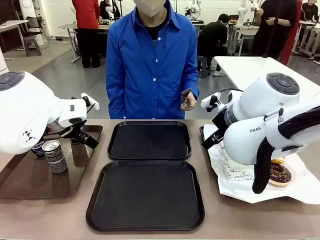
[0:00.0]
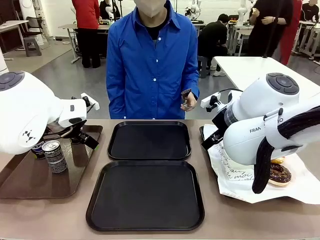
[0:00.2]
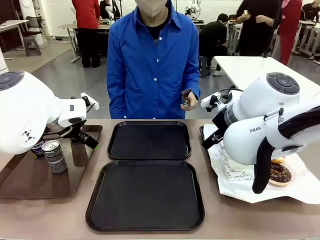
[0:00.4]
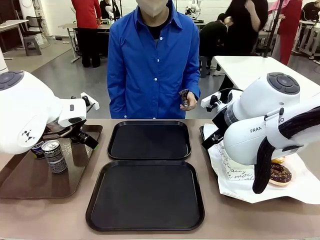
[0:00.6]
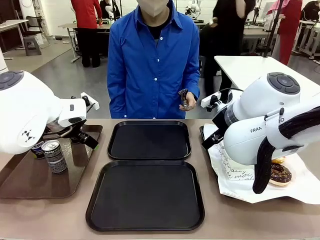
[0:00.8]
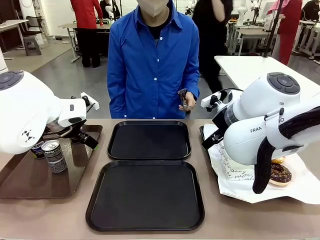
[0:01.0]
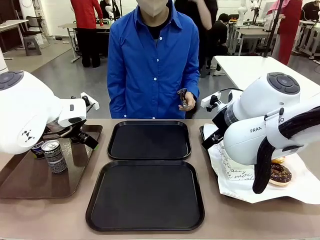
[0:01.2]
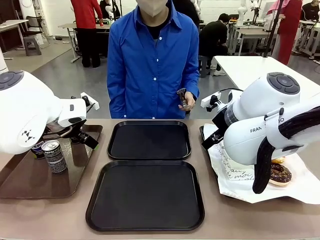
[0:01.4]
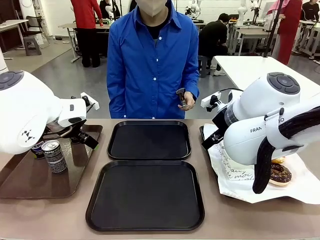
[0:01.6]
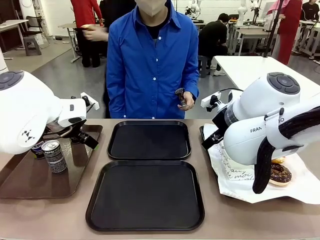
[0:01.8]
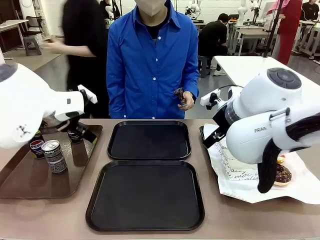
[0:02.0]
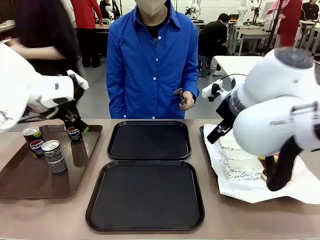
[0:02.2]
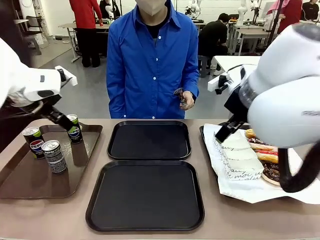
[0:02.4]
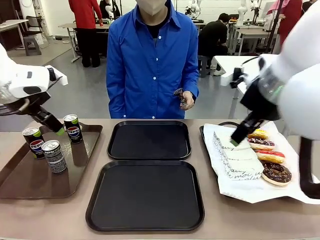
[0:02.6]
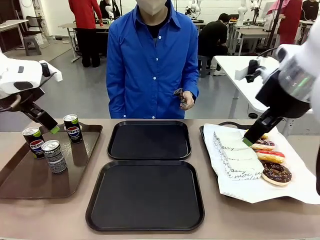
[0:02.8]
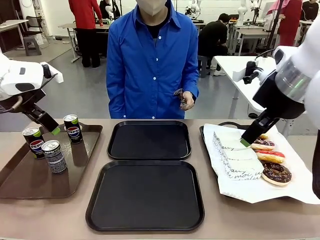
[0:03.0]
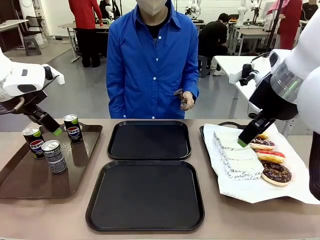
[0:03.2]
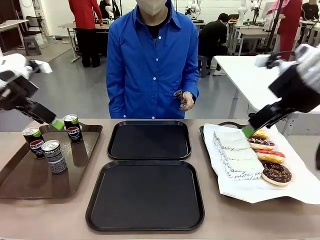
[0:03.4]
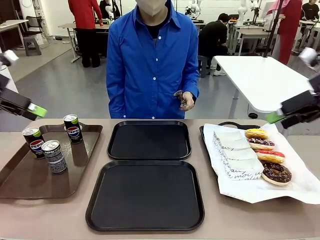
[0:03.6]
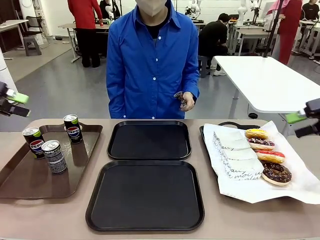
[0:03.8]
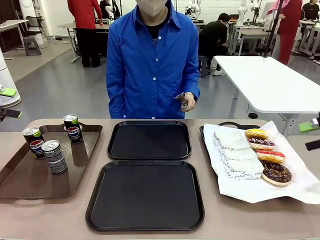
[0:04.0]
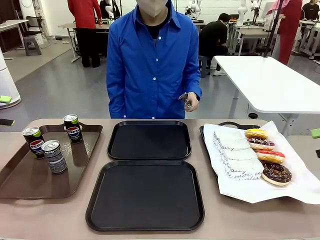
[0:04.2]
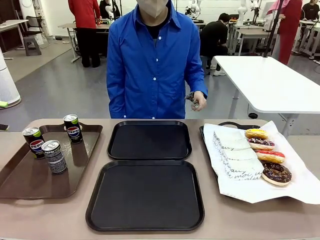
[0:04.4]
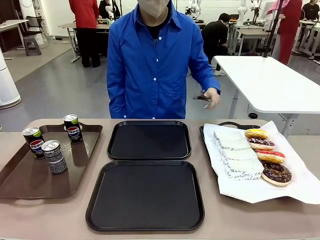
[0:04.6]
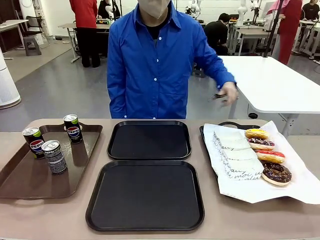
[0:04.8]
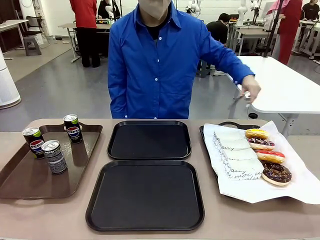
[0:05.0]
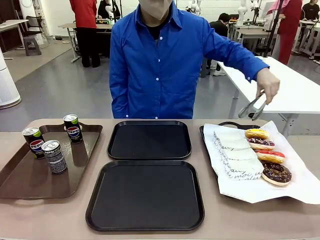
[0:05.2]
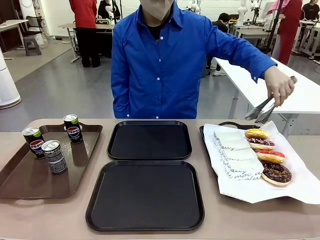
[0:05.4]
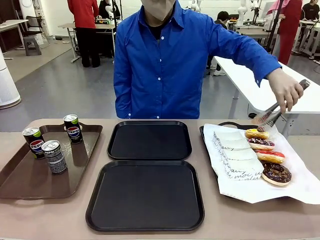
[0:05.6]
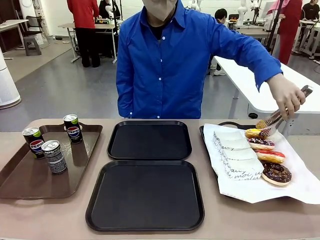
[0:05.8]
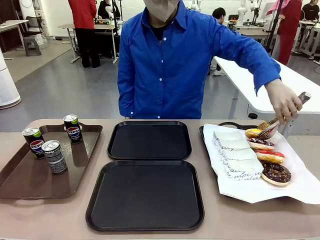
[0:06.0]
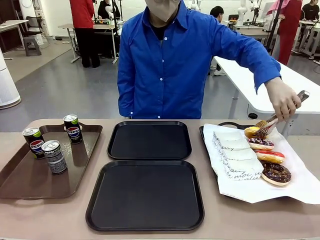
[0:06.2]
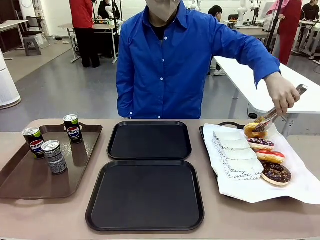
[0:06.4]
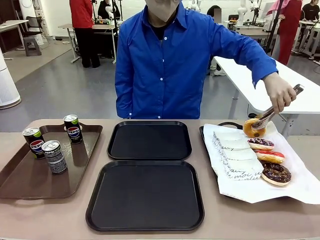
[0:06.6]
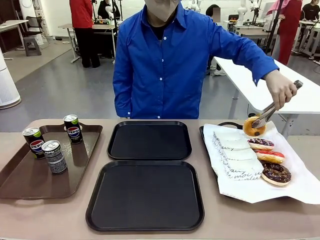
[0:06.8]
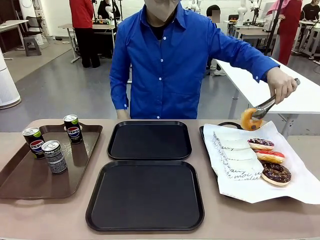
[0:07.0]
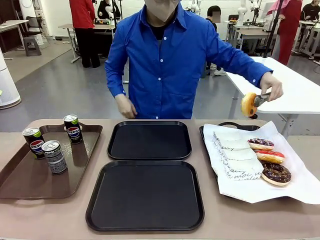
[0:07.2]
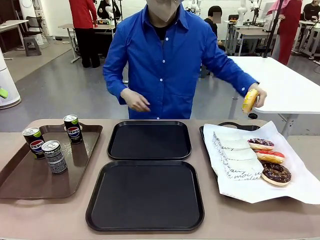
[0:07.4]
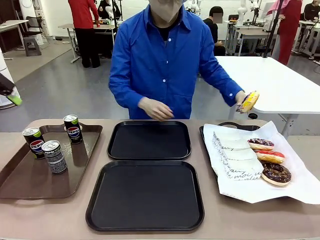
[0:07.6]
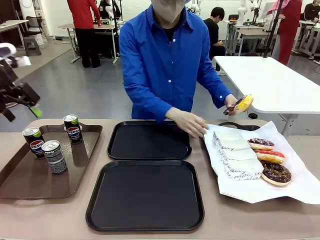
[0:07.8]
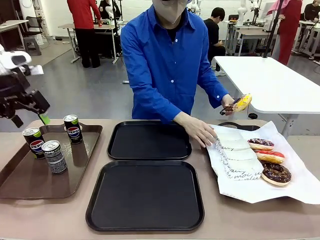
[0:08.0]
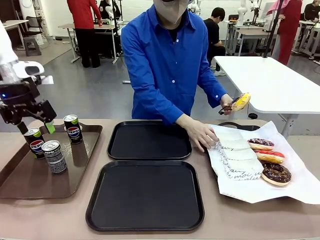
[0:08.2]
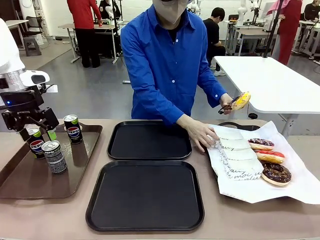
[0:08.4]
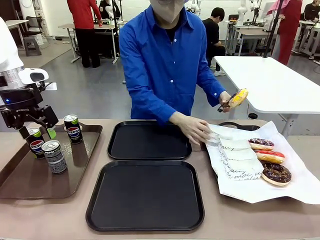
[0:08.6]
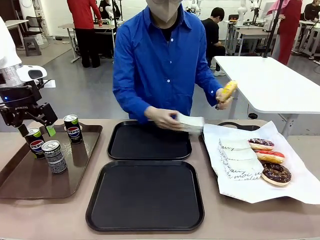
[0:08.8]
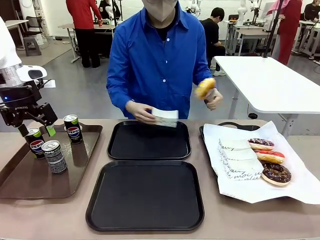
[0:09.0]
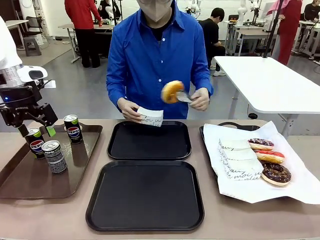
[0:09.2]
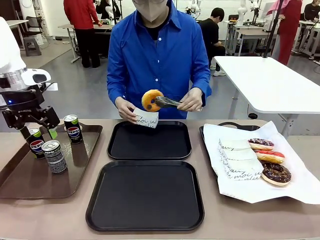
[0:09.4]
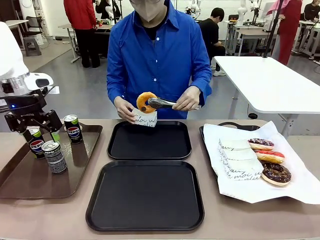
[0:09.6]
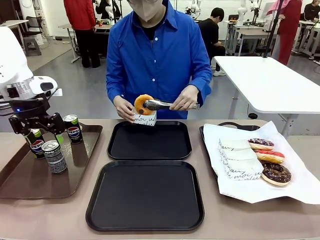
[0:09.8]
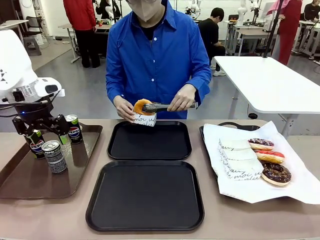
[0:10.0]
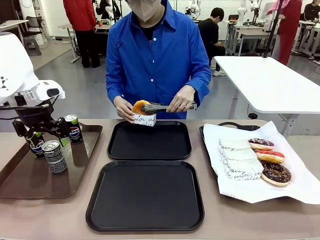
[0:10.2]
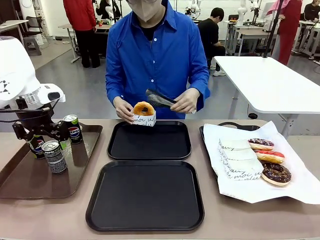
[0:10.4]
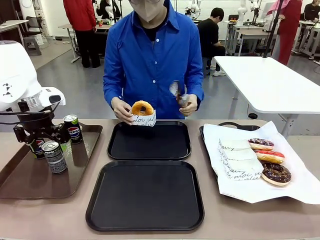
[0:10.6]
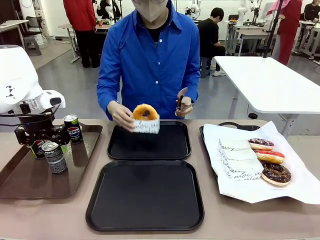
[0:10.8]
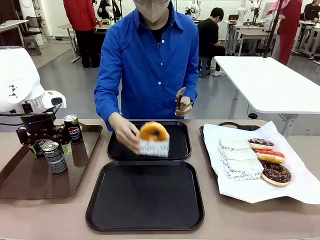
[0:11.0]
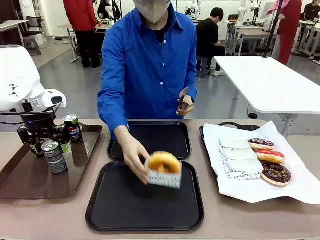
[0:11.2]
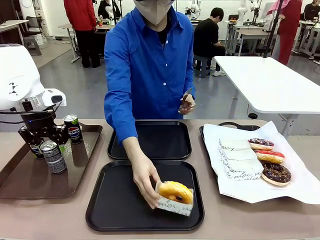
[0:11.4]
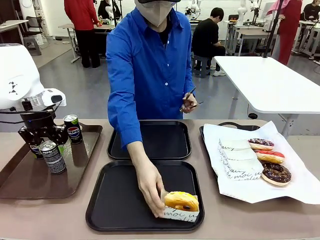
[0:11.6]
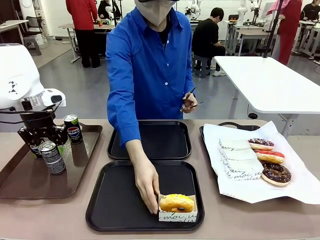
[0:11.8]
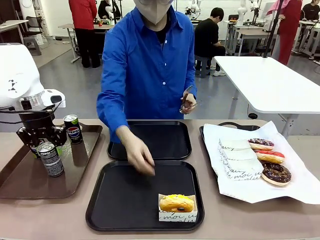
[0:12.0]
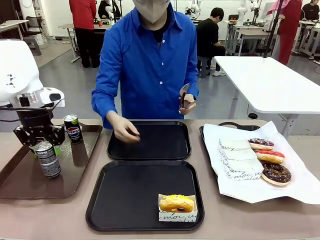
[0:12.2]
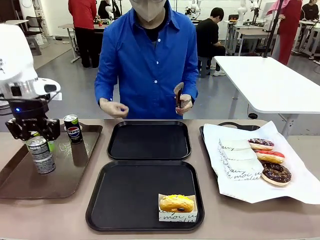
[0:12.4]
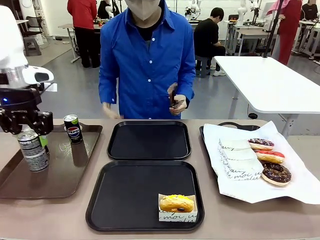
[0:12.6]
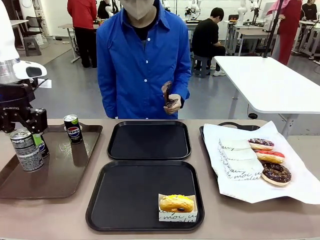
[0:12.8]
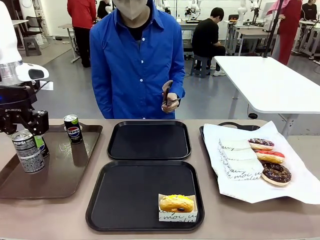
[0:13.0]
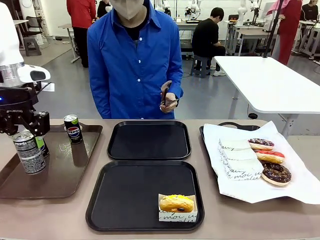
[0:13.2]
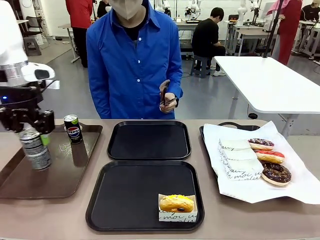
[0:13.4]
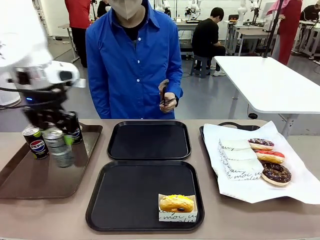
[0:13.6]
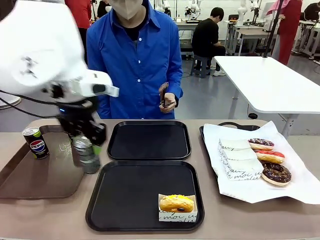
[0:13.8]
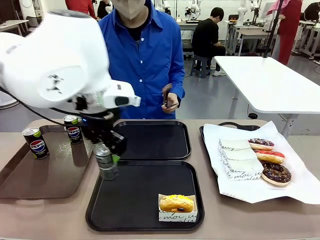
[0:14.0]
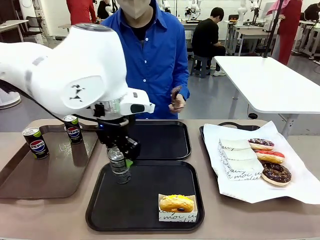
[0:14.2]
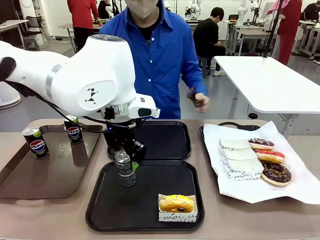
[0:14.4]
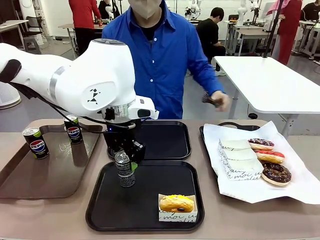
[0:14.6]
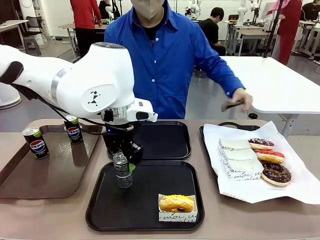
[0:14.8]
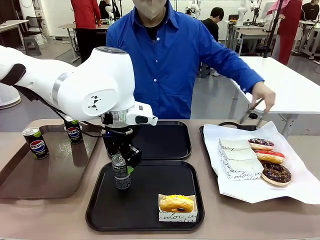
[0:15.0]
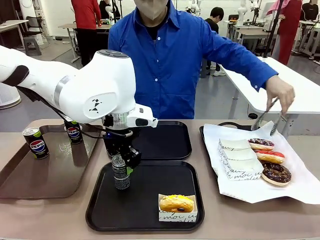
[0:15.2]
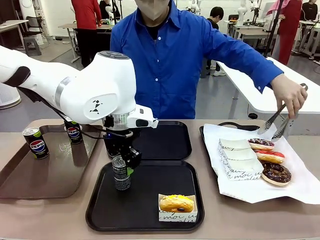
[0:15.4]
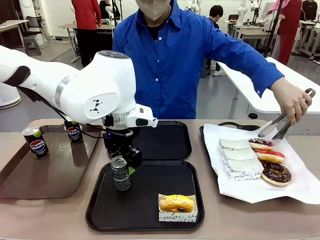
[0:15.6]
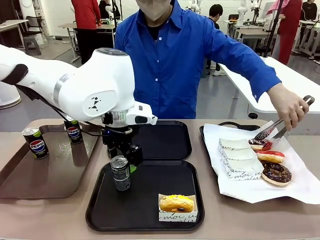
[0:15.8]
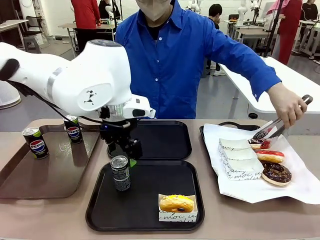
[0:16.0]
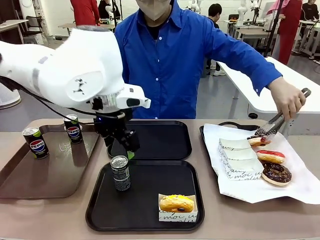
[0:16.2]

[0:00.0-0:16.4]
Task: Set up donuts and drinks on trays.
Robot: Pick up one Pepsi coke and place it on the Flat Tray.

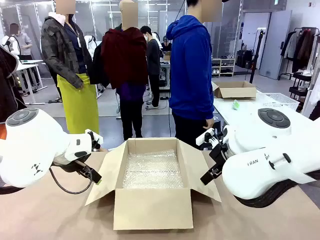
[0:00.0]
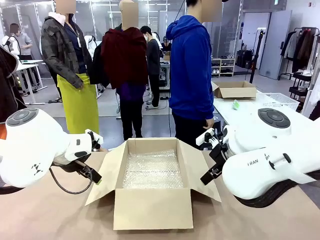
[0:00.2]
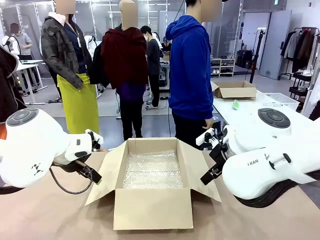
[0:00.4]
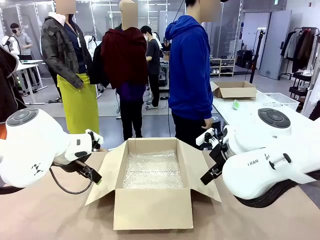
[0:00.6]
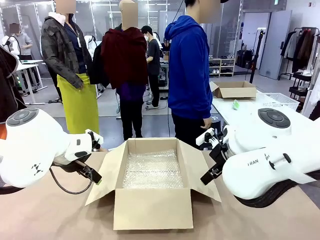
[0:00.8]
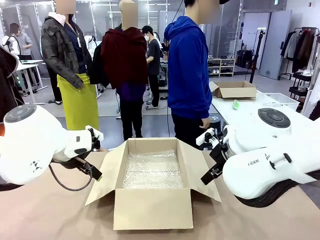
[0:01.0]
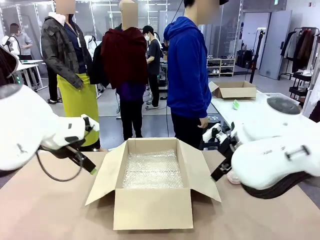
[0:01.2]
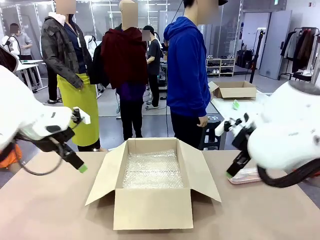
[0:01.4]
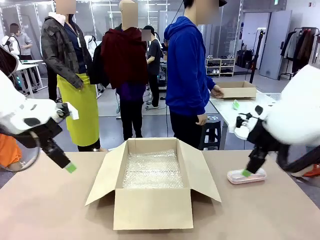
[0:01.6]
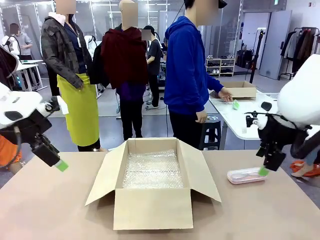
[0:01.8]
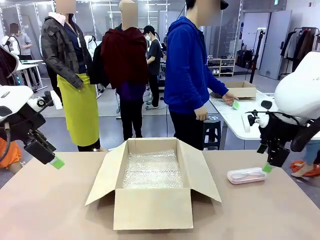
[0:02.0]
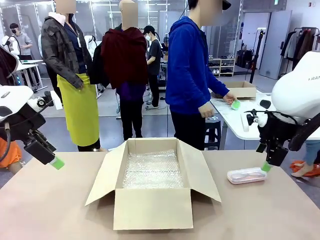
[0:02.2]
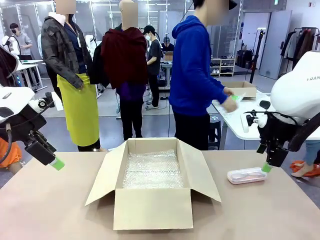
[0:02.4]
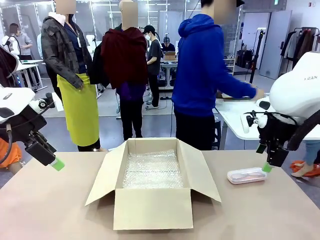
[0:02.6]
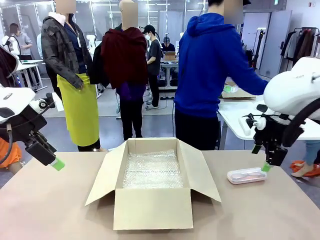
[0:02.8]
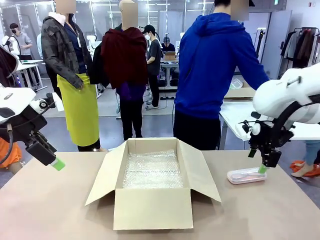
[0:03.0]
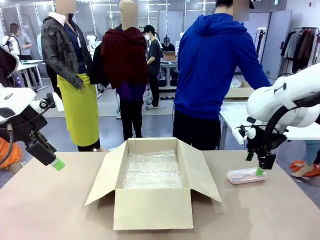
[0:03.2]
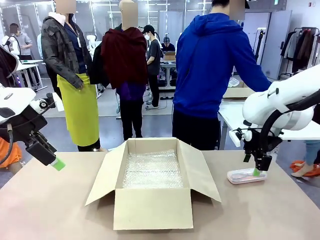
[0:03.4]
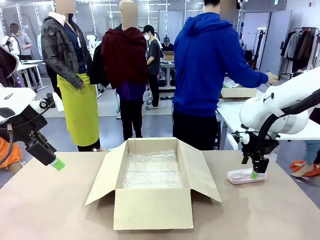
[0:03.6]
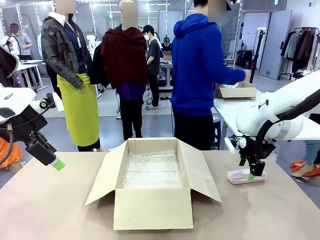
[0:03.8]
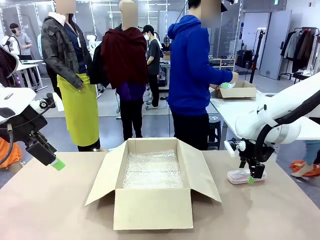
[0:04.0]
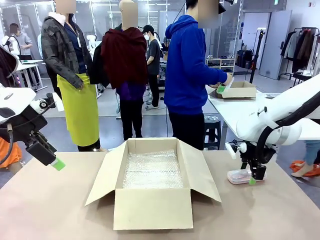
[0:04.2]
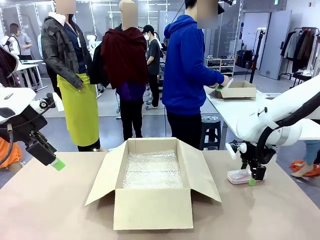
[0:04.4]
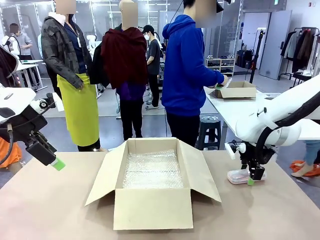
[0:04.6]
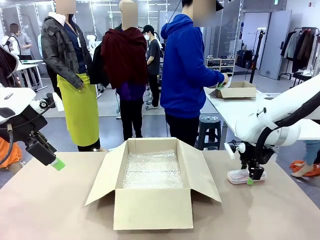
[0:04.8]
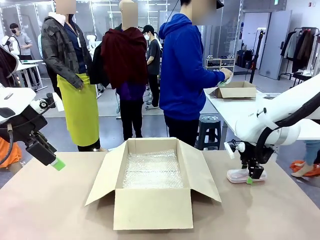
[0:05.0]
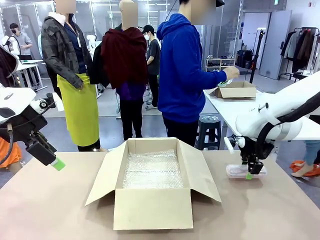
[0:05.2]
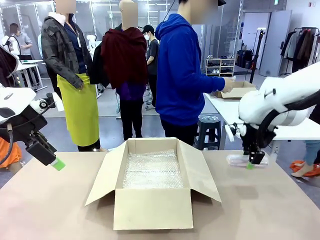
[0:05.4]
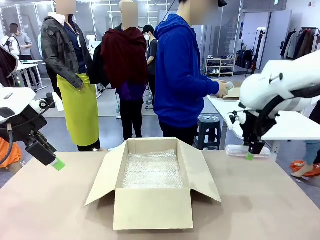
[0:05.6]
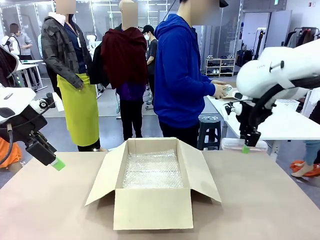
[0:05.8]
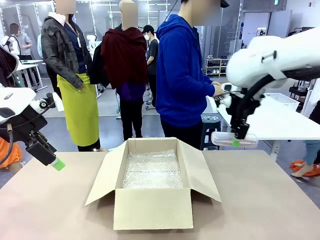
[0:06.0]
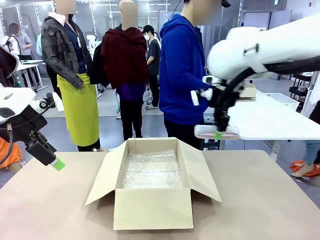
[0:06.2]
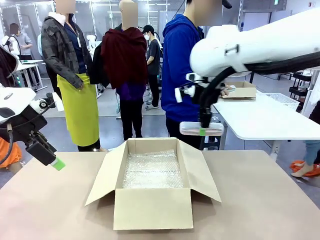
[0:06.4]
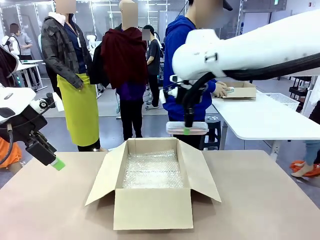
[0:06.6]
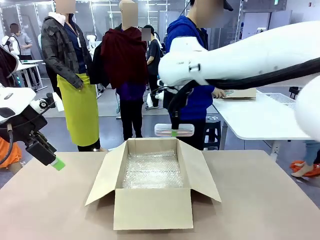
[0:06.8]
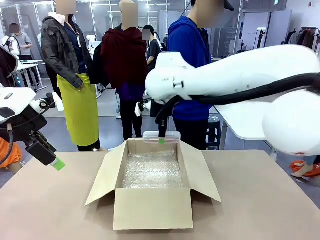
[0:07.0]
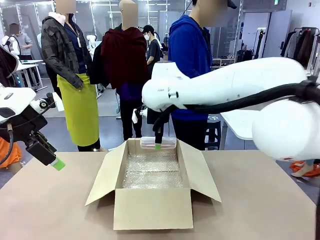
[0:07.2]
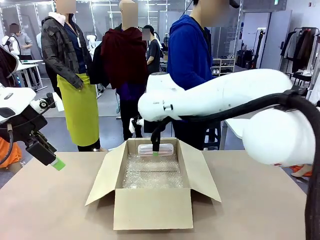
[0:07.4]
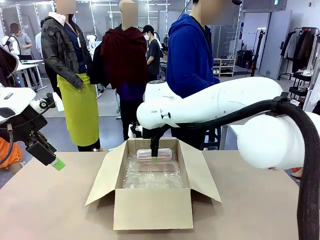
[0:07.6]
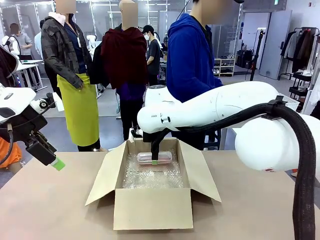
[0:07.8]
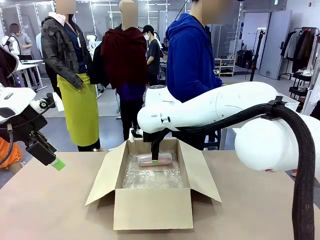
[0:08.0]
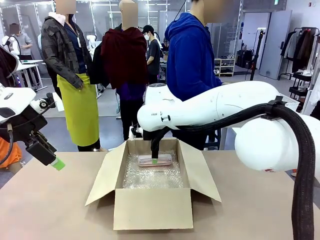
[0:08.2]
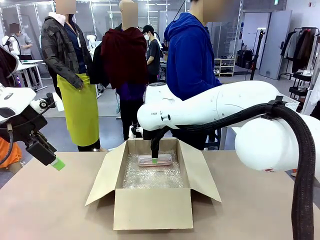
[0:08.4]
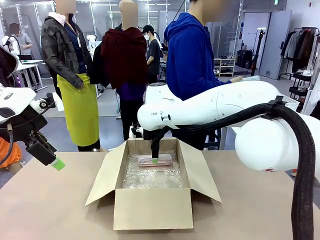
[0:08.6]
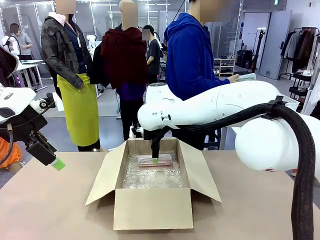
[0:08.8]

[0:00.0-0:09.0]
Task: Pack the glasses set securely to prepare it for shipping.
Robot: Place the Glasses case inside the Package Box.
Person: Place the Glasses inside the Glasses case.
